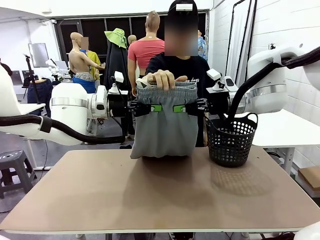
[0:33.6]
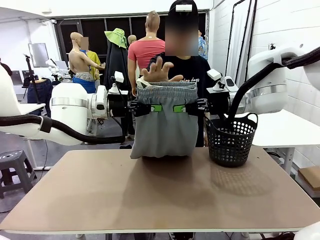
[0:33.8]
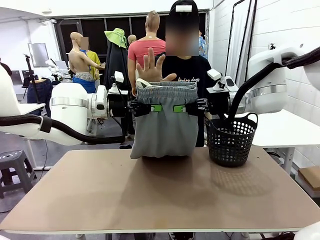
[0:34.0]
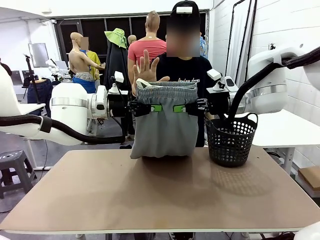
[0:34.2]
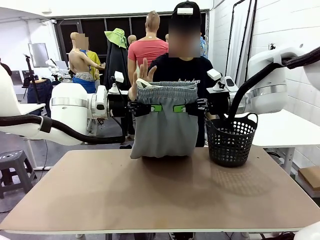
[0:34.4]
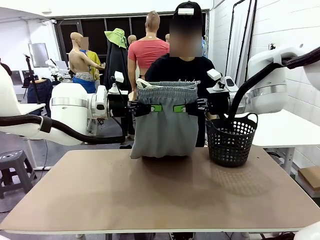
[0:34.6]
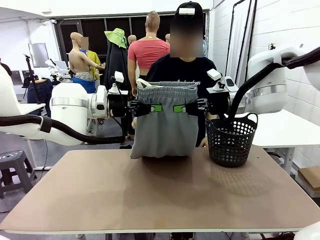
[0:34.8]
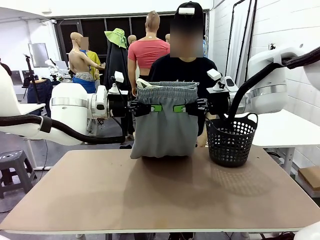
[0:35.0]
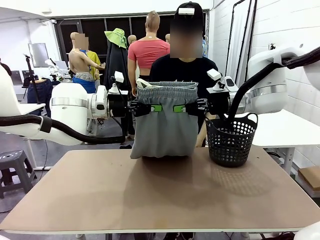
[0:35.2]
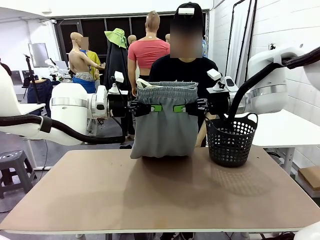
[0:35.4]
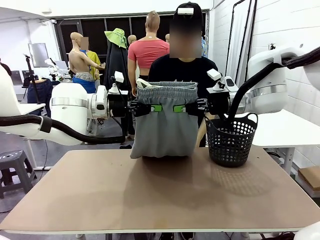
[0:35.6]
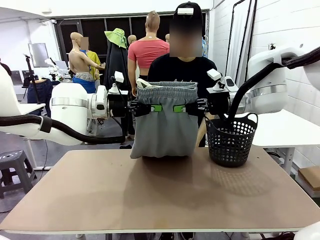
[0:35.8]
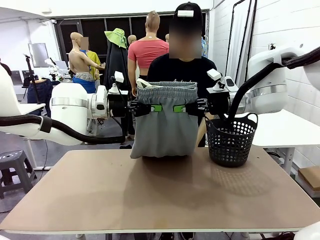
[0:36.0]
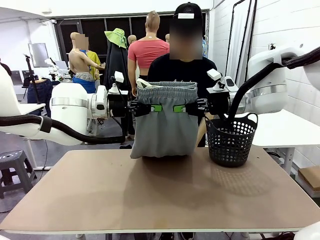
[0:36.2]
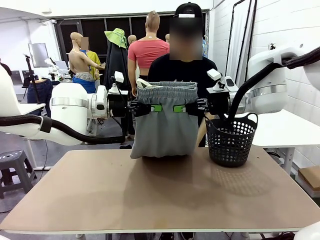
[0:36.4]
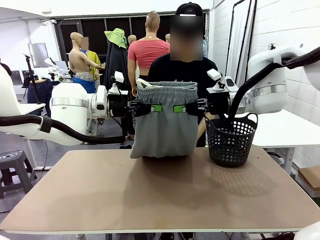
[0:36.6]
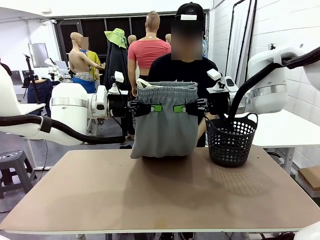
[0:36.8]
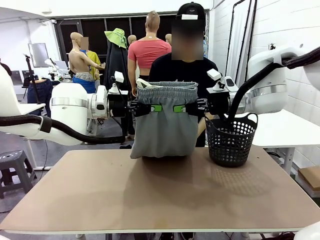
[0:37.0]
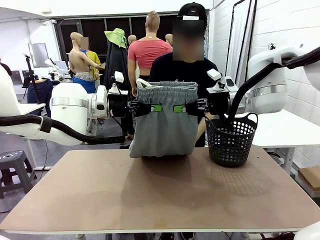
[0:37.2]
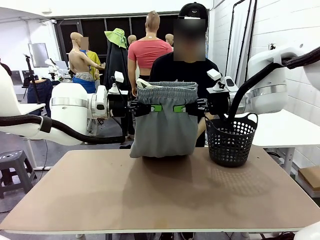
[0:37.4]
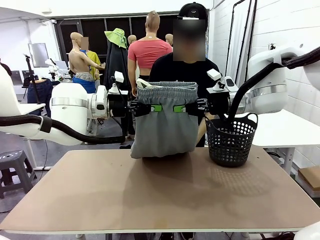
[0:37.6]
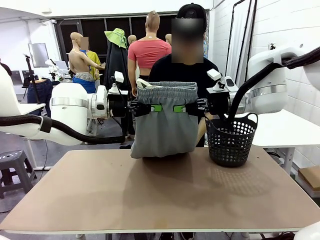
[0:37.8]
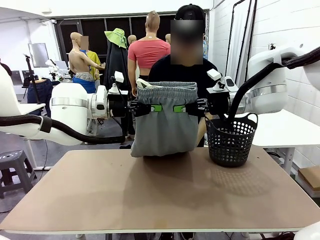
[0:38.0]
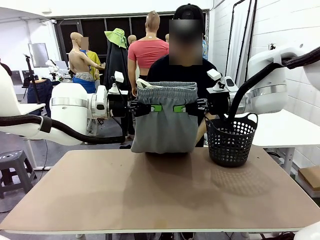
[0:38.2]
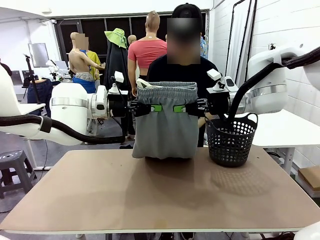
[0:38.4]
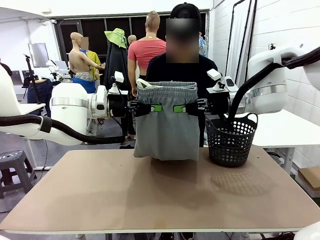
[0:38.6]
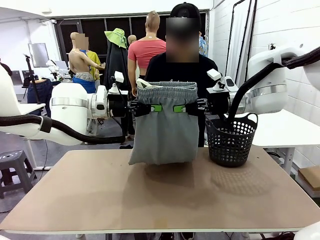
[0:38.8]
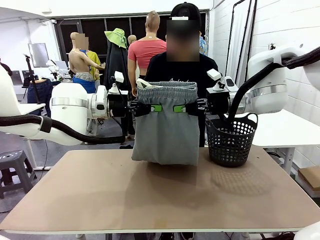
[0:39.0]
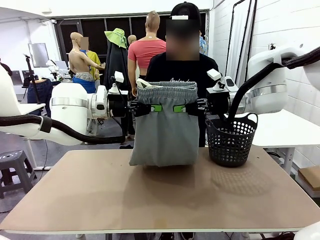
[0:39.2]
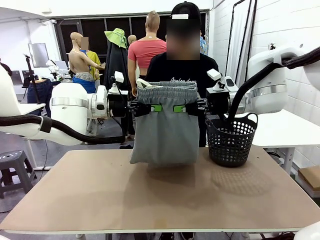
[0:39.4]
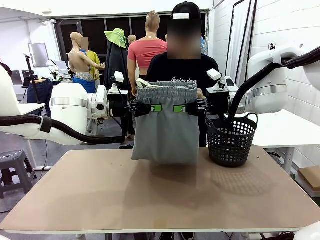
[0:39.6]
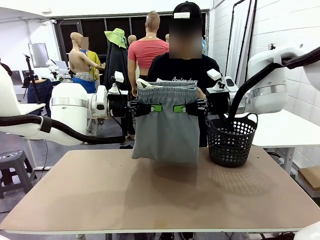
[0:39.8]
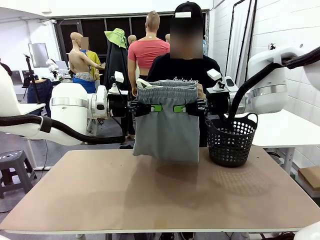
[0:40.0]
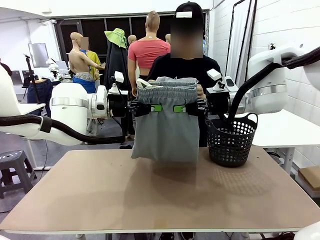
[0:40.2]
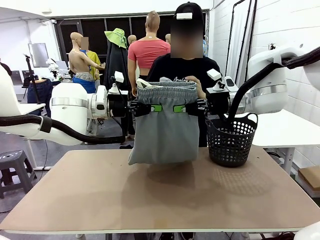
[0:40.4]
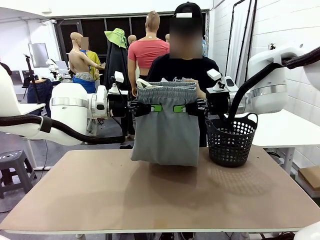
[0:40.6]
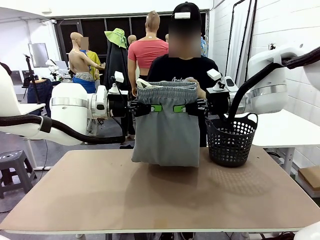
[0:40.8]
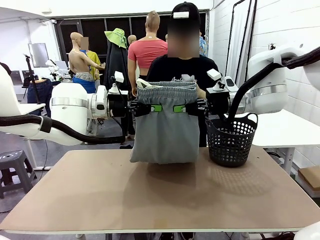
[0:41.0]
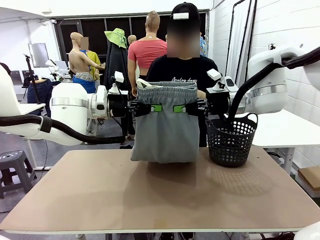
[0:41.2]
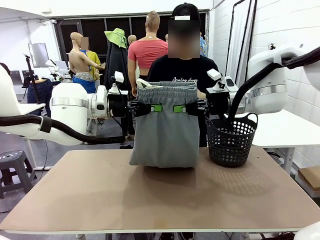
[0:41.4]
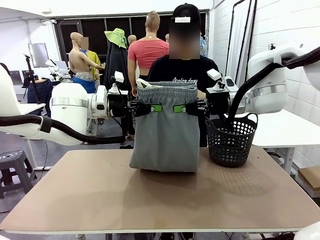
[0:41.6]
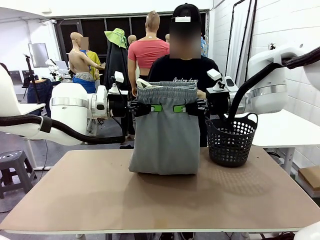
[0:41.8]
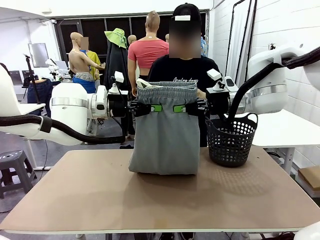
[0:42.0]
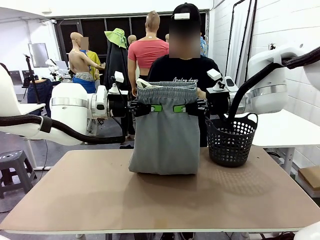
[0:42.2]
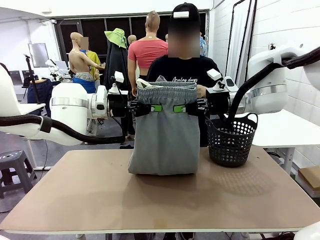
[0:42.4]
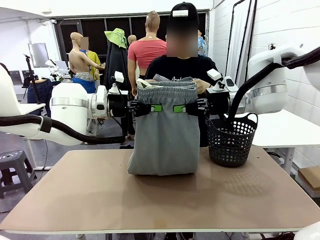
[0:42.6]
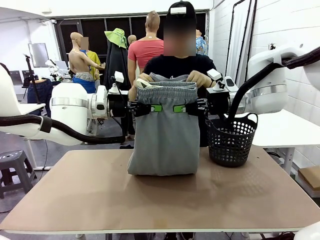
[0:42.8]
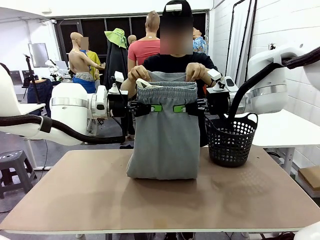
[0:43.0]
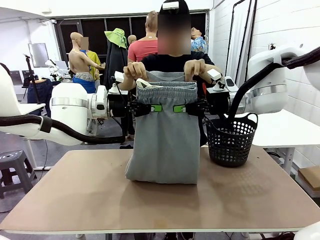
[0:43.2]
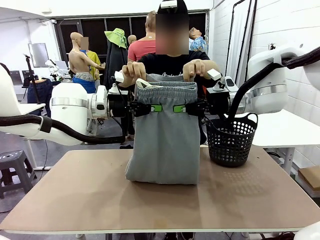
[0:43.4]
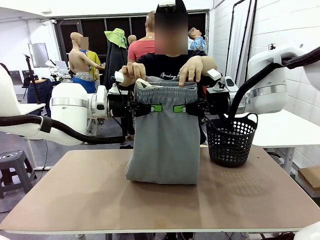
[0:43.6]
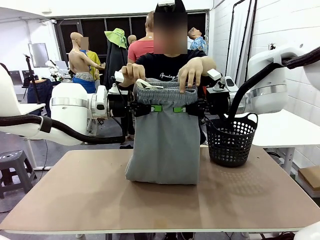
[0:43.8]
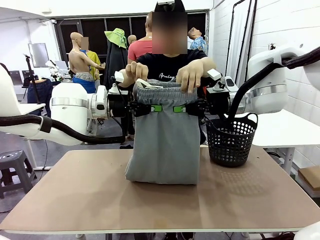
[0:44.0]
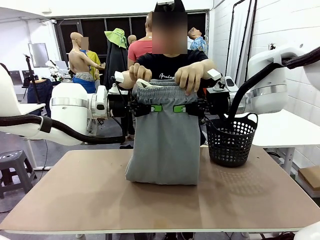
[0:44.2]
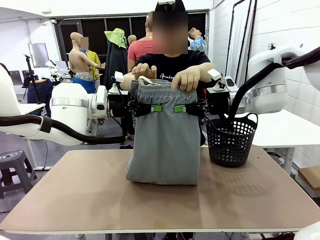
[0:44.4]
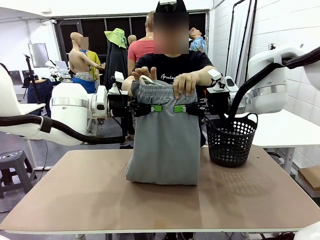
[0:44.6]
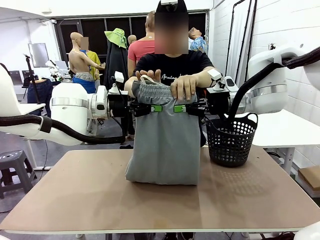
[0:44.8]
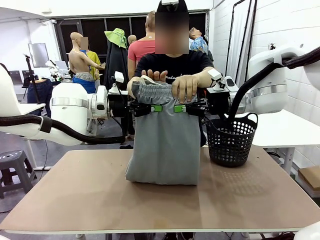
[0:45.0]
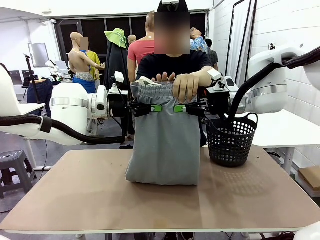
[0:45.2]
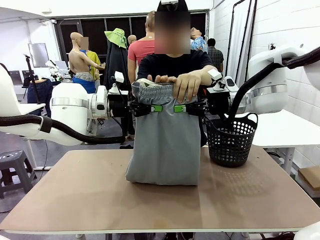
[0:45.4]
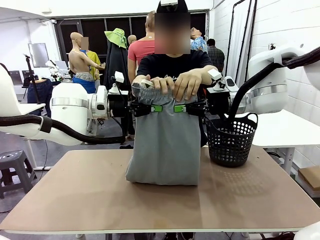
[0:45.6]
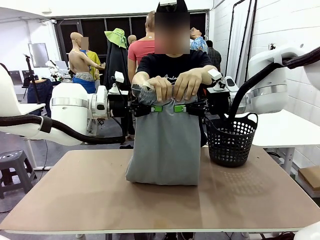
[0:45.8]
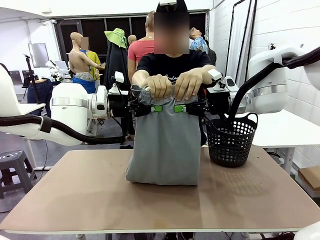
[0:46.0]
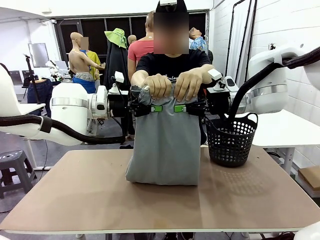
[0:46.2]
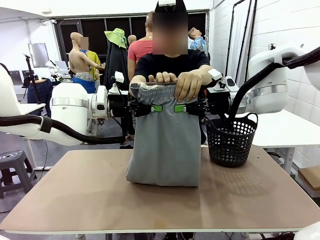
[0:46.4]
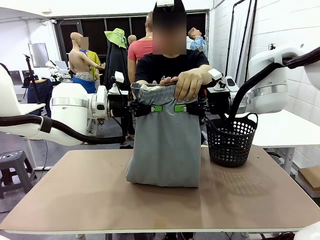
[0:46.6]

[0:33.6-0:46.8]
Task: Fold the training pants.
Robot: Release the ends of the Training pants and then grab the overlapped ends.
Person: Grasp the end opposite the point the robot is holding, fold the pants in half, and then grasp the overlapping top end of the folded pants.
